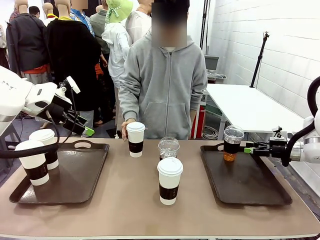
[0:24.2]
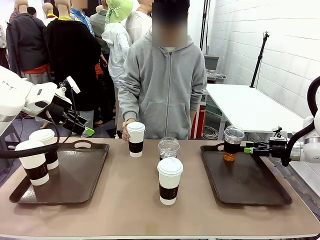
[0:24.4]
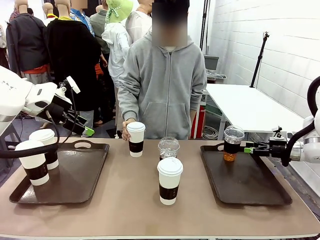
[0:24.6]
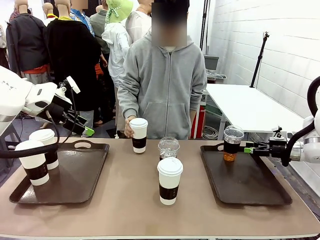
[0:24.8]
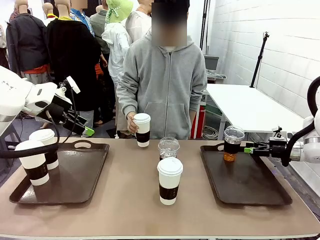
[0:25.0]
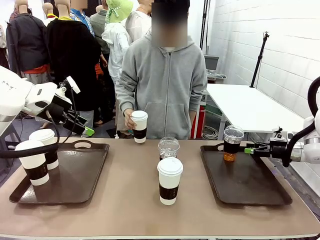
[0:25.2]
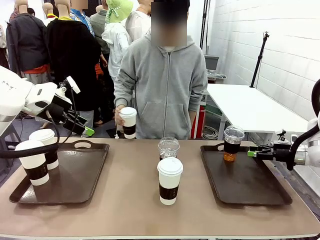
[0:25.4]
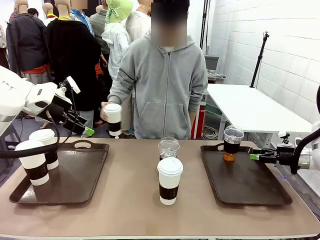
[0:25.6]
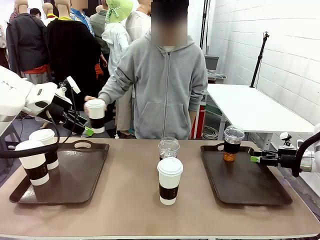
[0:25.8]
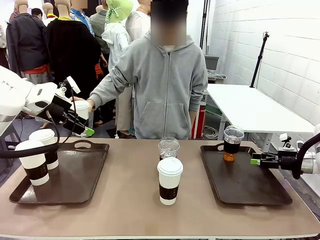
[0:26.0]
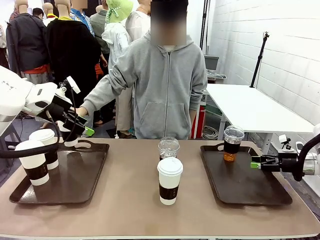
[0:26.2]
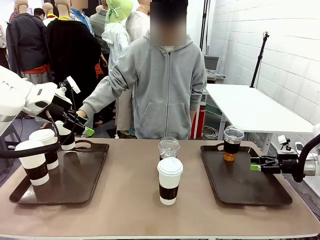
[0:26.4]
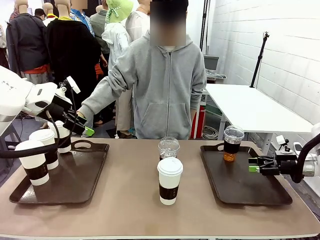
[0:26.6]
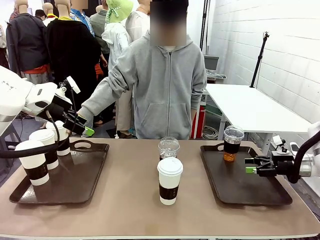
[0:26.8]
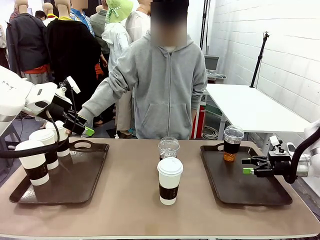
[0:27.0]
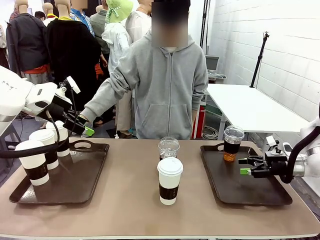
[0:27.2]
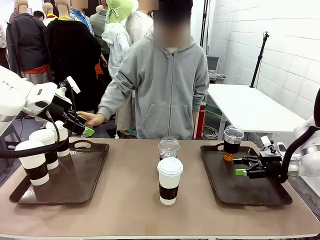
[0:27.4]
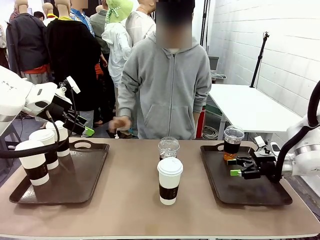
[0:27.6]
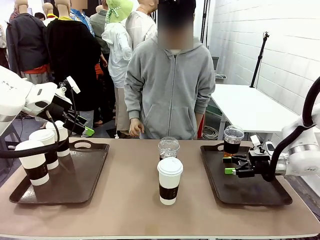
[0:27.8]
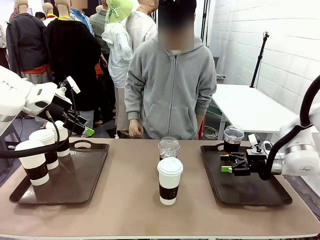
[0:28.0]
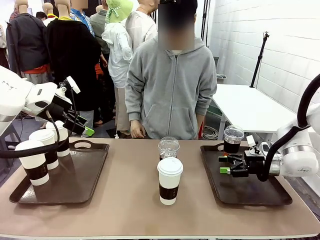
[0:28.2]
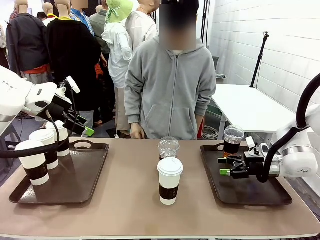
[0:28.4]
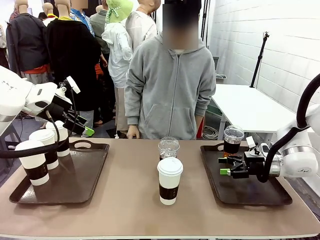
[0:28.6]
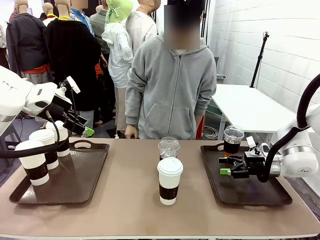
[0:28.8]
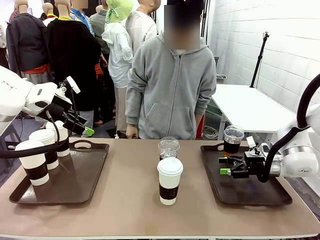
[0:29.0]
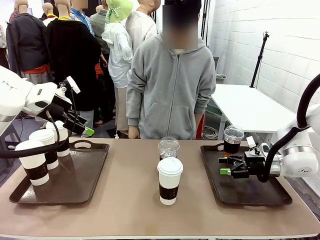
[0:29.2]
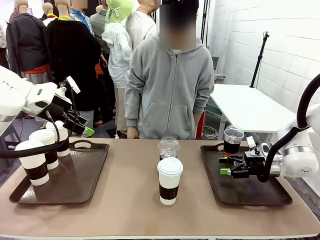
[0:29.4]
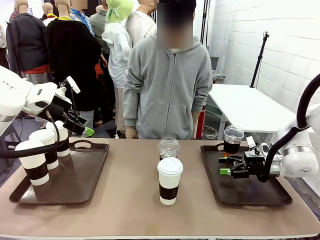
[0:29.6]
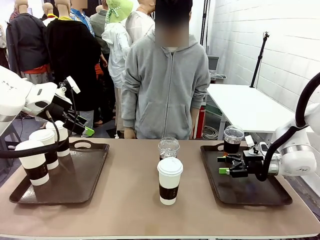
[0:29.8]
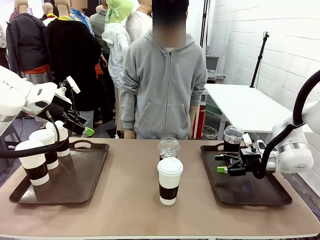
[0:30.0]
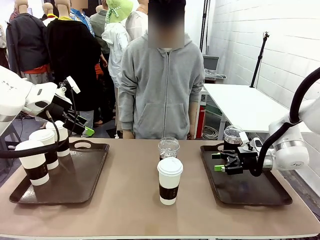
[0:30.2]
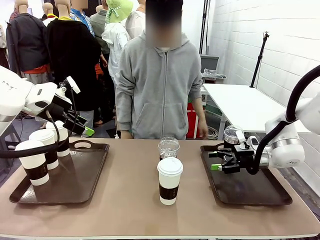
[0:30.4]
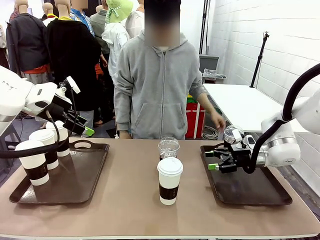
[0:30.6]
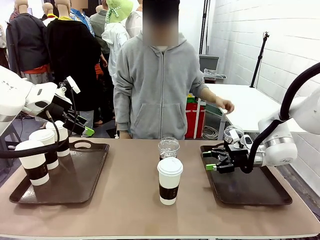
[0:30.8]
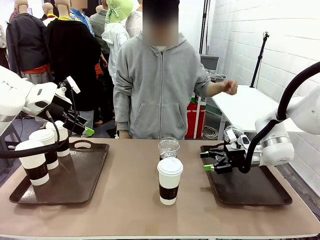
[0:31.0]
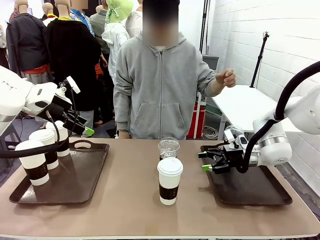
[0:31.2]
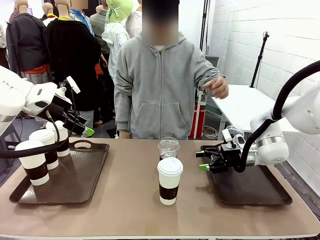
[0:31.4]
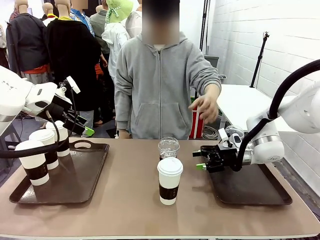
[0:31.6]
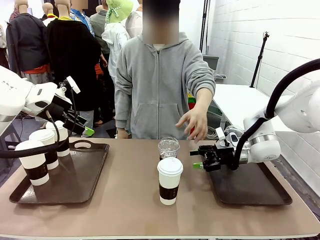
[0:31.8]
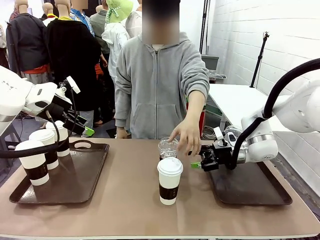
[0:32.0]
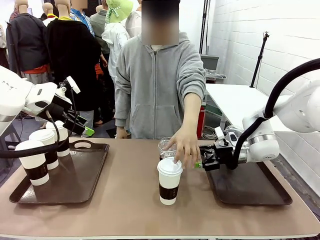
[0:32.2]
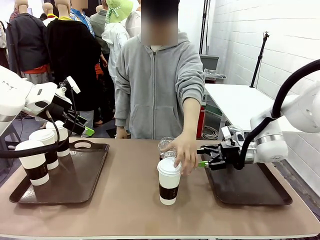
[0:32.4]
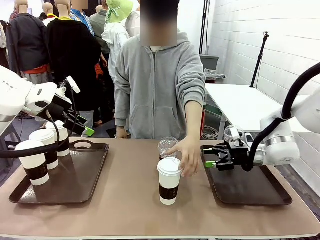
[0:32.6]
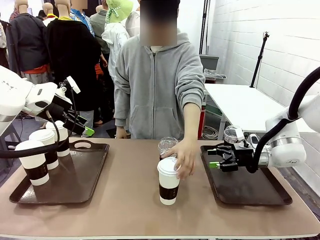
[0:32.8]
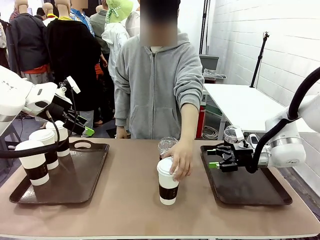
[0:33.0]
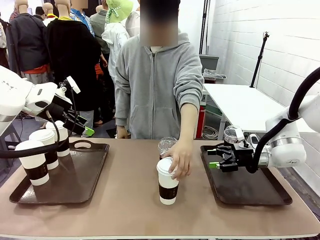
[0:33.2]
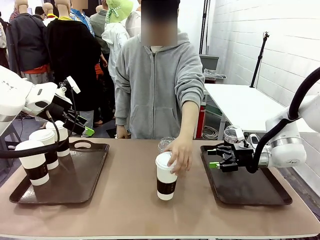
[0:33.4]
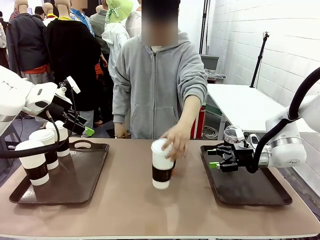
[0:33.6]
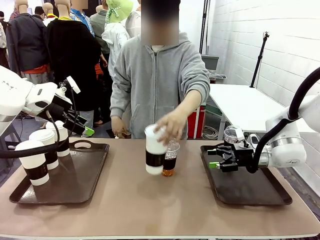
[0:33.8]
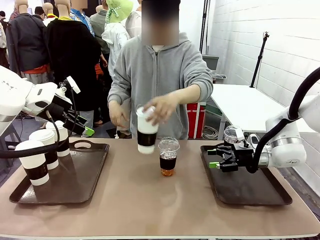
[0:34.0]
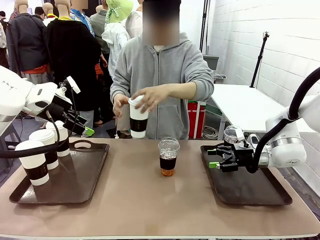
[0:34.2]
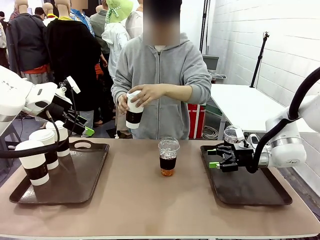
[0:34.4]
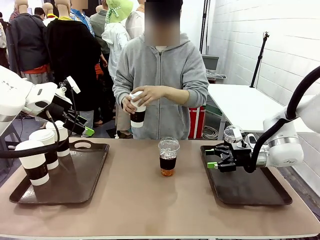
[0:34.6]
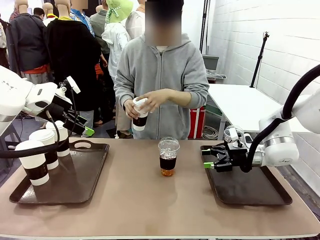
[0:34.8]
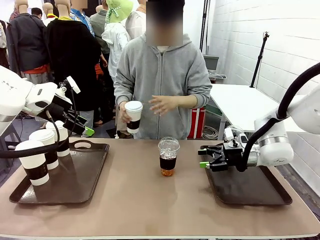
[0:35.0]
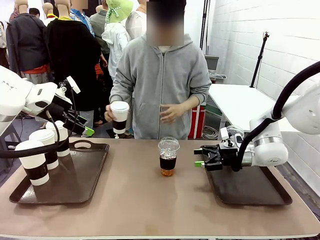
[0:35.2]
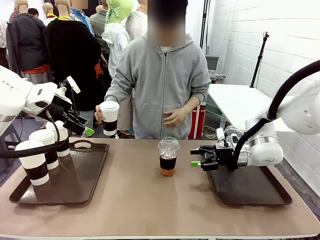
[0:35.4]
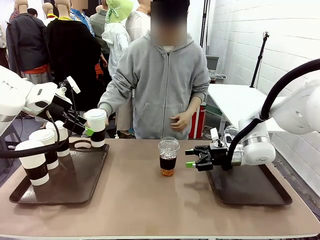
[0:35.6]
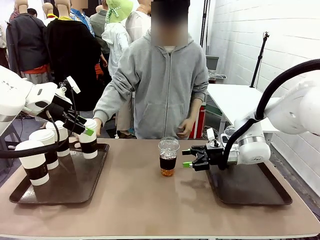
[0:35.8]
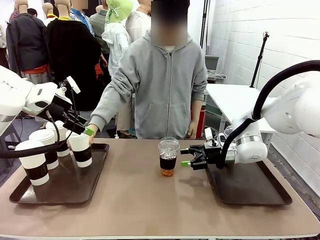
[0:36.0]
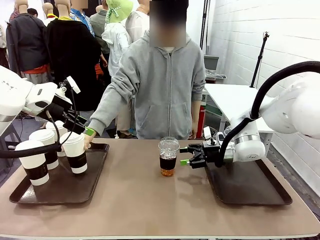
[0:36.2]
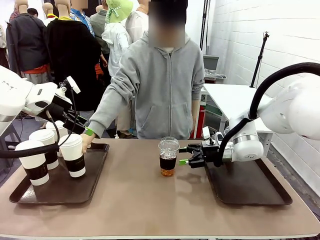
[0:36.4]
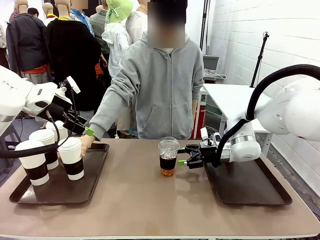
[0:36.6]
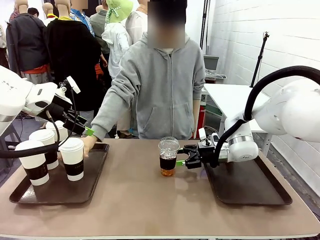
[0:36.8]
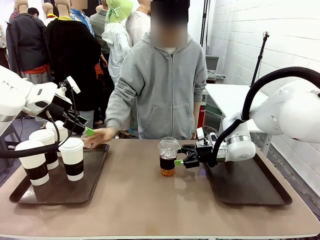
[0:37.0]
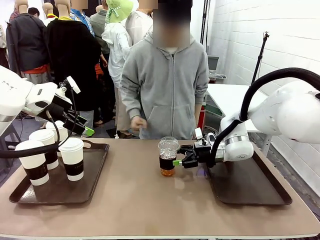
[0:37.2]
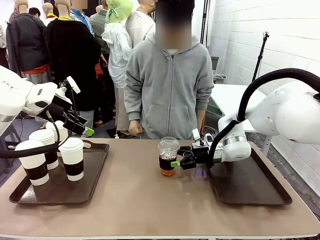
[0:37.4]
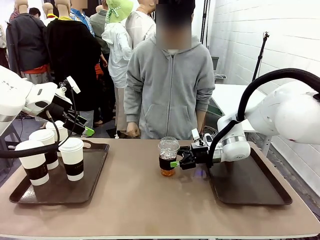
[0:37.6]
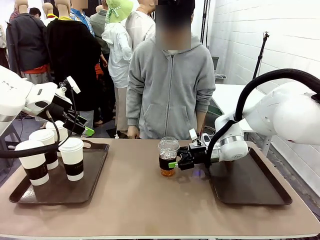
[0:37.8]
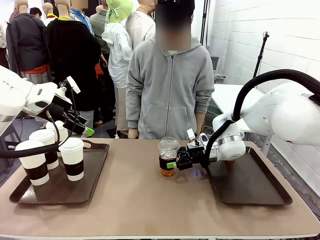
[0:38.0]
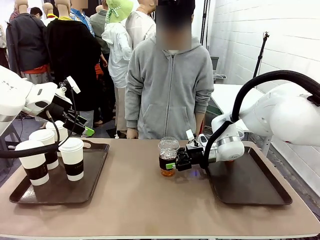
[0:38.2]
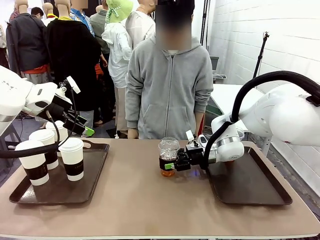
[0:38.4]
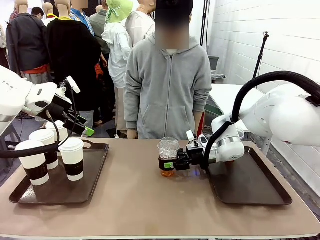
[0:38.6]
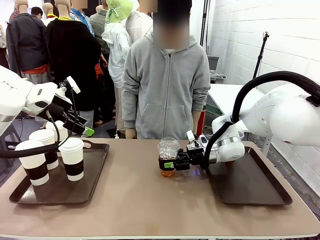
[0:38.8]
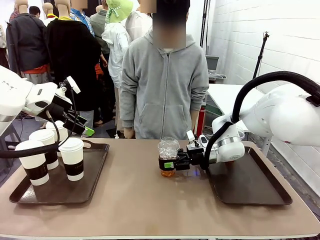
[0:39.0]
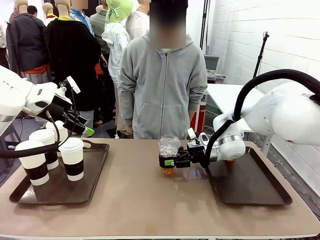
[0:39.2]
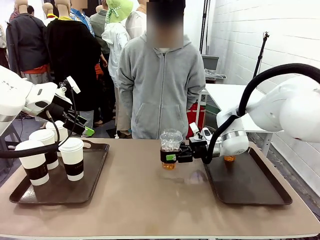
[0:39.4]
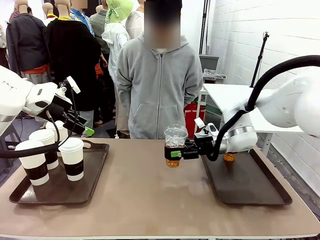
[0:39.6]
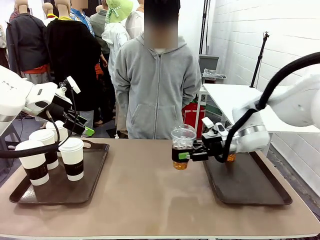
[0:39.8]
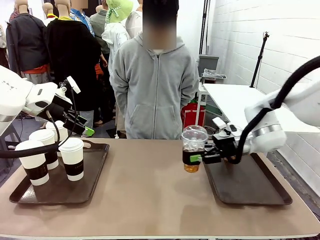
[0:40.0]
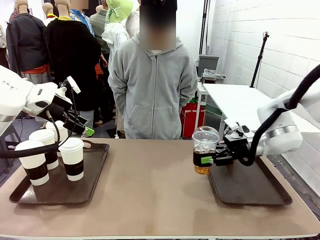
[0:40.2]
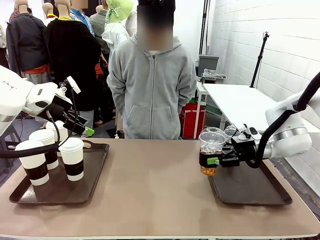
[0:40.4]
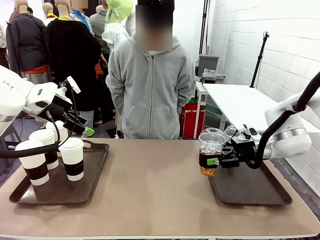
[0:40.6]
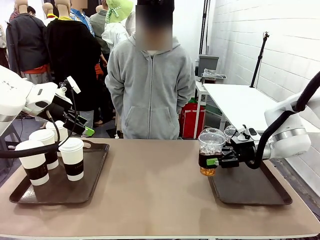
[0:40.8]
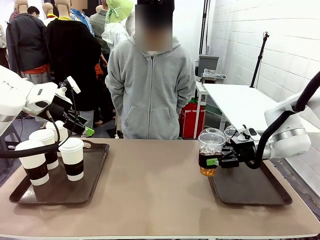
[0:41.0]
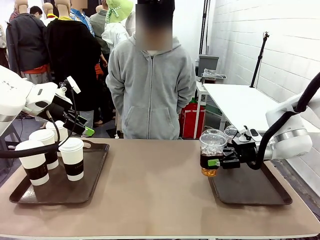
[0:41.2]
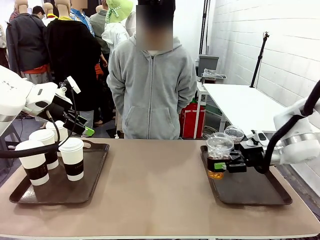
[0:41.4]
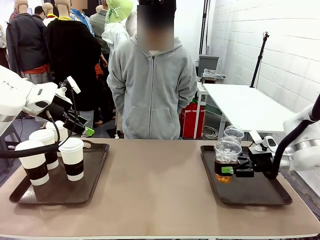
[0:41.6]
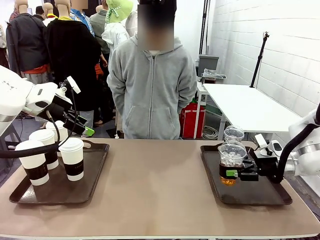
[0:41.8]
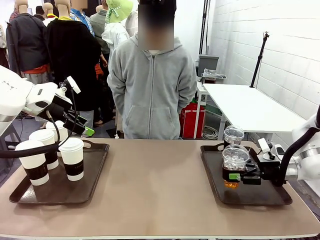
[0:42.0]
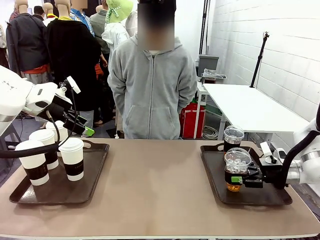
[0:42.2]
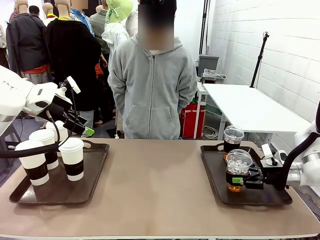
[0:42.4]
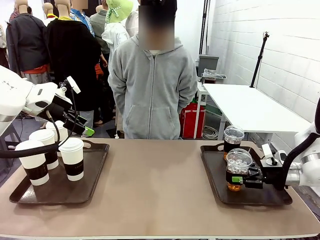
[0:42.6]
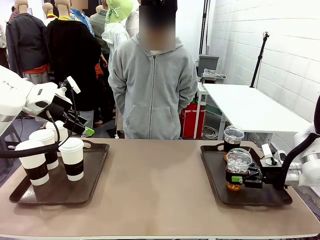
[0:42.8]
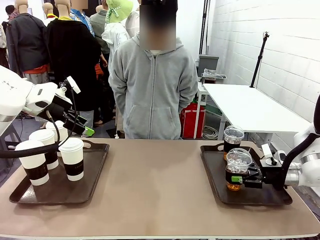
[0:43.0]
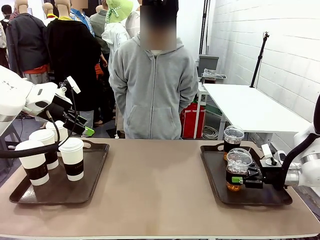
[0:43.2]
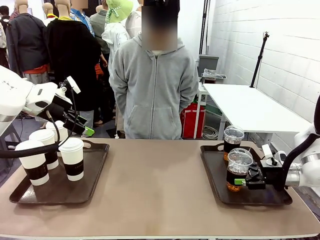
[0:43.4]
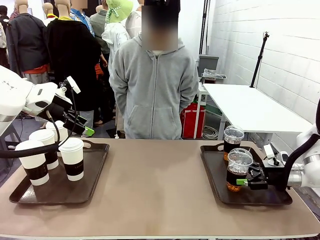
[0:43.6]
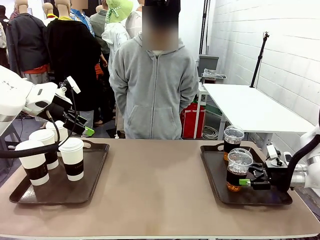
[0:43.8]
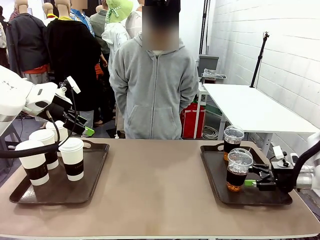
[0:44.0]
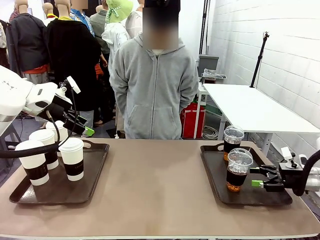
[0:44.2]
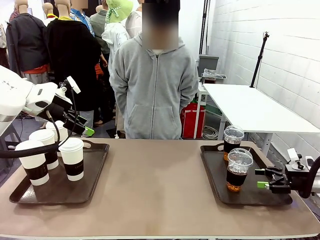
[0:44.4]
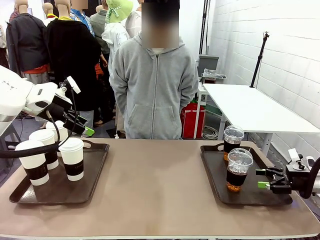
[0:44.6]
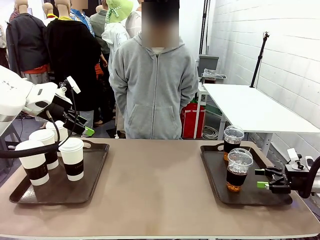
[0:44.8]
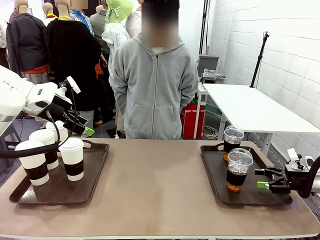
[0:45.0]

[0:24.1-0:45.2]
Task: Distribute the coffee onto the tray.
Robot: Pick up another iced Americano from the middle of the table and place it on the right Handle tray.
Person: Pick up a cup of hot Americano from the middle of the table and place it on the right tray.
